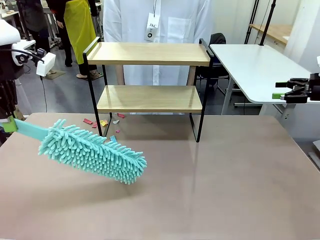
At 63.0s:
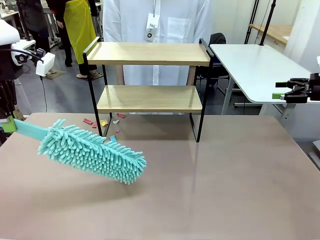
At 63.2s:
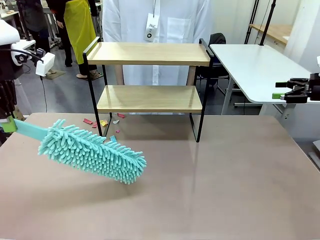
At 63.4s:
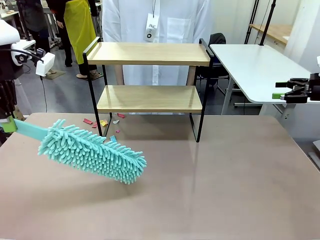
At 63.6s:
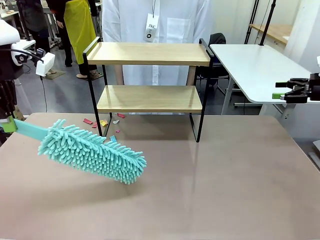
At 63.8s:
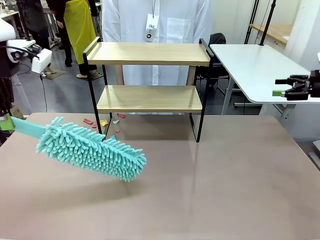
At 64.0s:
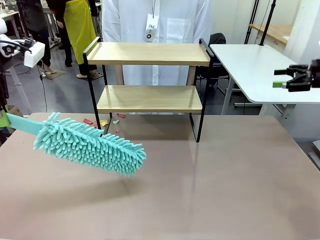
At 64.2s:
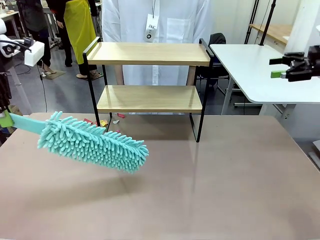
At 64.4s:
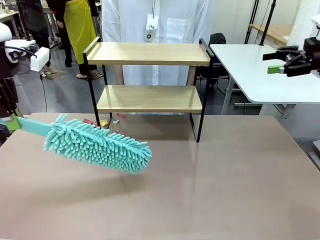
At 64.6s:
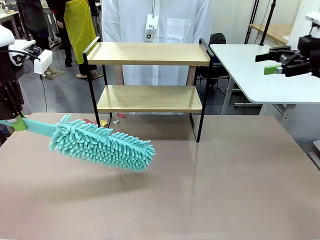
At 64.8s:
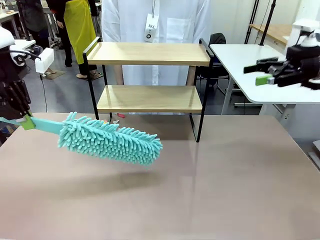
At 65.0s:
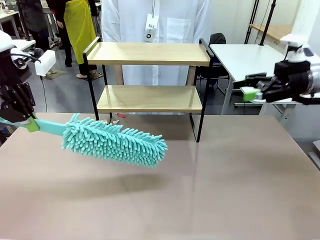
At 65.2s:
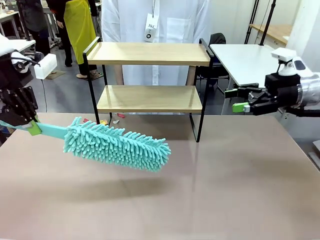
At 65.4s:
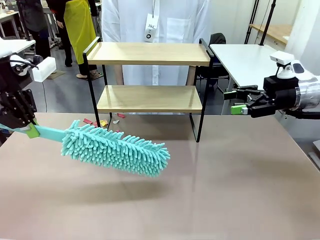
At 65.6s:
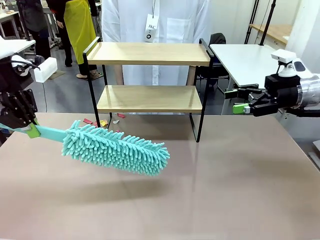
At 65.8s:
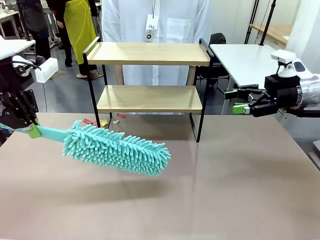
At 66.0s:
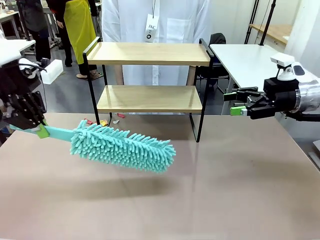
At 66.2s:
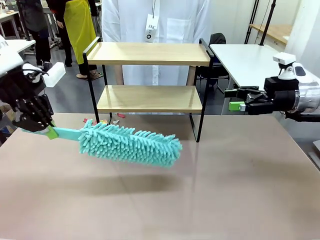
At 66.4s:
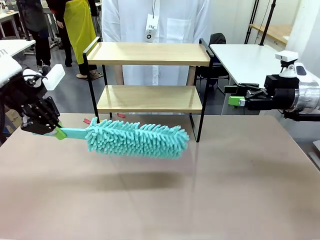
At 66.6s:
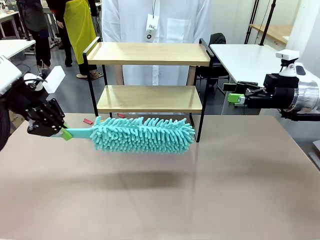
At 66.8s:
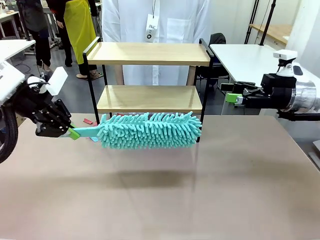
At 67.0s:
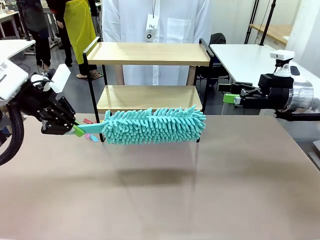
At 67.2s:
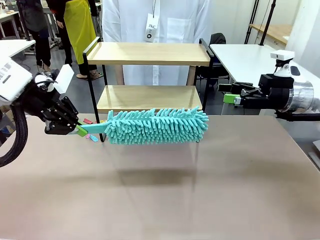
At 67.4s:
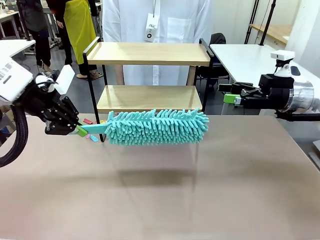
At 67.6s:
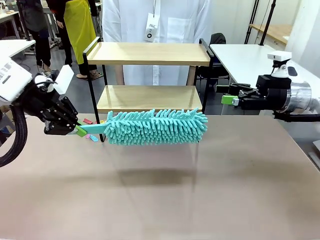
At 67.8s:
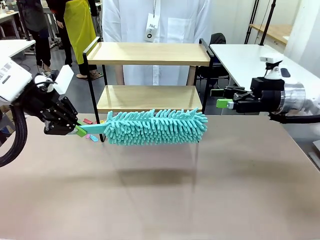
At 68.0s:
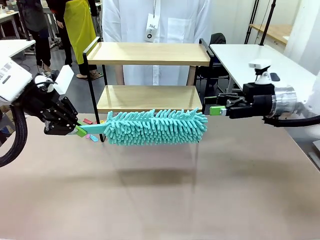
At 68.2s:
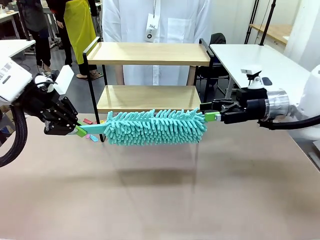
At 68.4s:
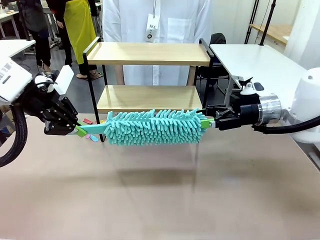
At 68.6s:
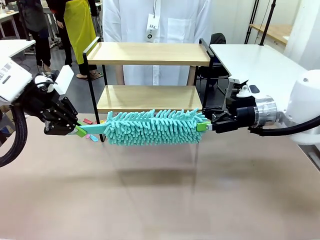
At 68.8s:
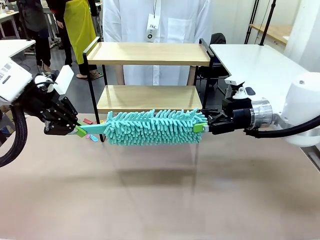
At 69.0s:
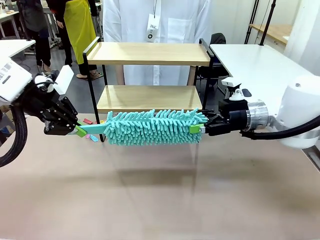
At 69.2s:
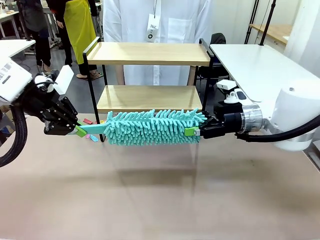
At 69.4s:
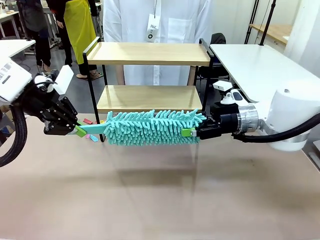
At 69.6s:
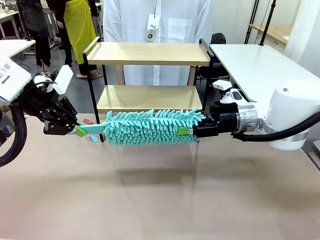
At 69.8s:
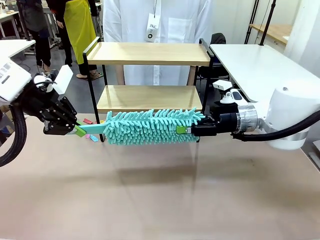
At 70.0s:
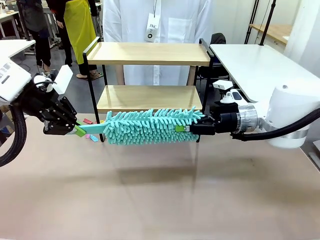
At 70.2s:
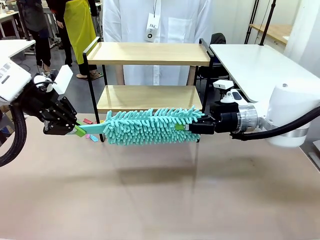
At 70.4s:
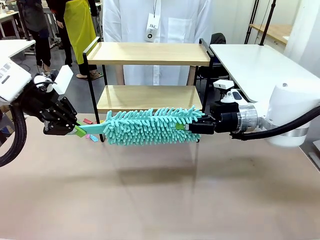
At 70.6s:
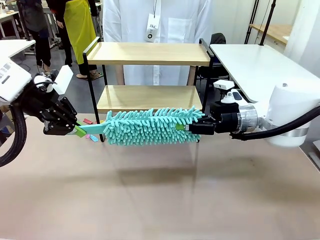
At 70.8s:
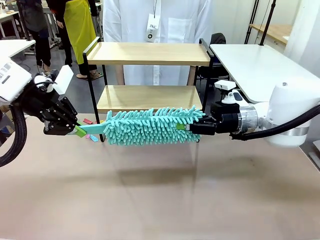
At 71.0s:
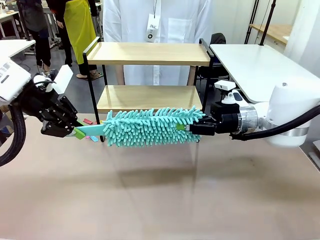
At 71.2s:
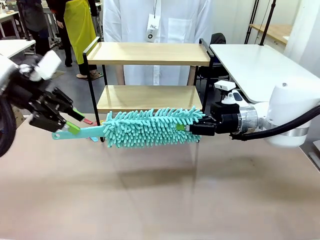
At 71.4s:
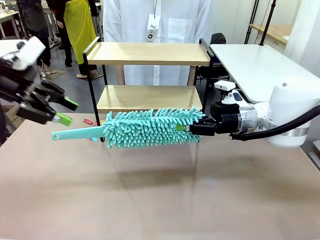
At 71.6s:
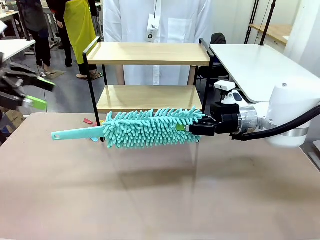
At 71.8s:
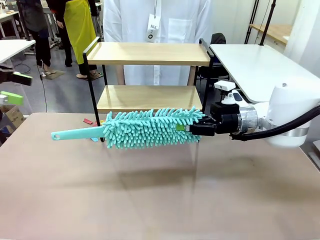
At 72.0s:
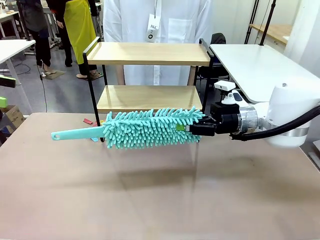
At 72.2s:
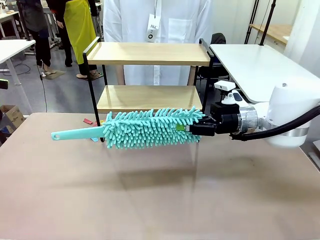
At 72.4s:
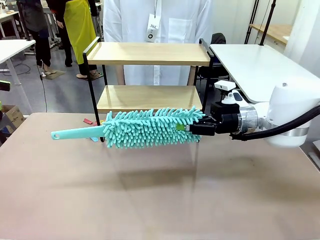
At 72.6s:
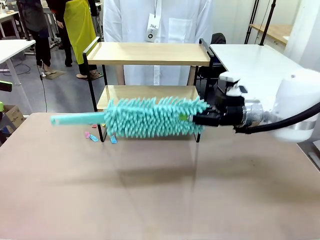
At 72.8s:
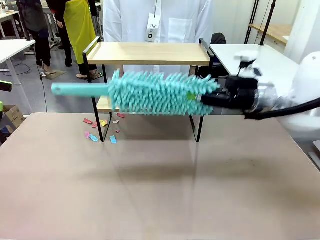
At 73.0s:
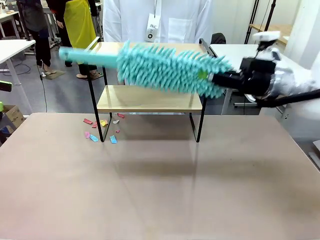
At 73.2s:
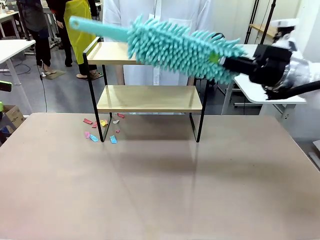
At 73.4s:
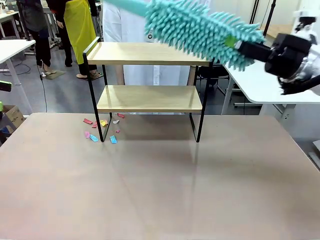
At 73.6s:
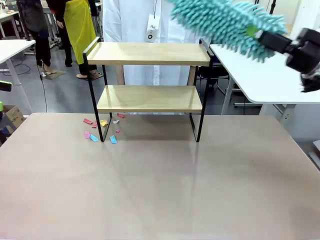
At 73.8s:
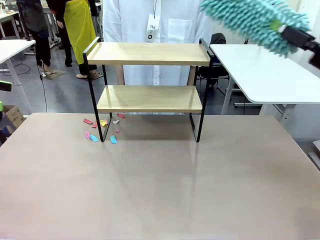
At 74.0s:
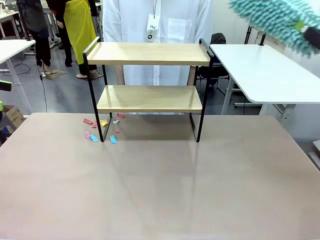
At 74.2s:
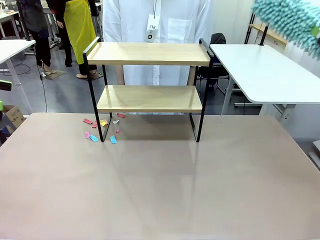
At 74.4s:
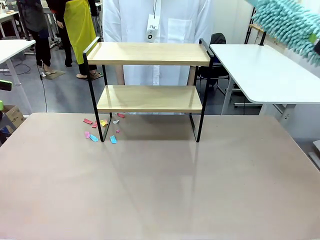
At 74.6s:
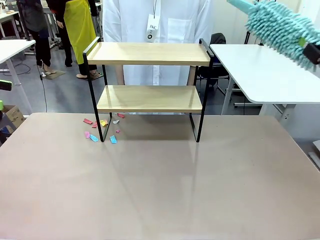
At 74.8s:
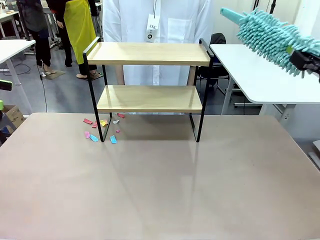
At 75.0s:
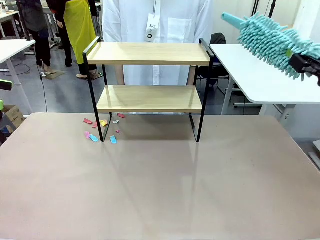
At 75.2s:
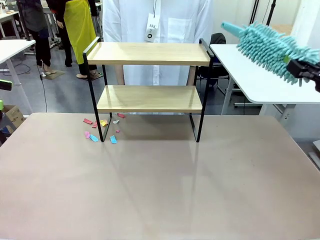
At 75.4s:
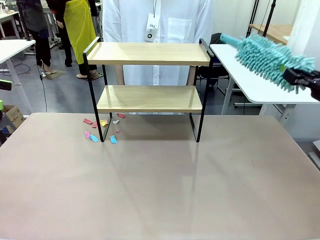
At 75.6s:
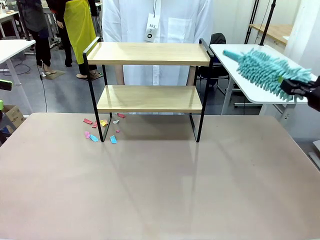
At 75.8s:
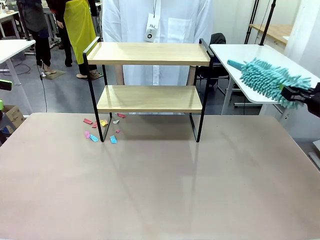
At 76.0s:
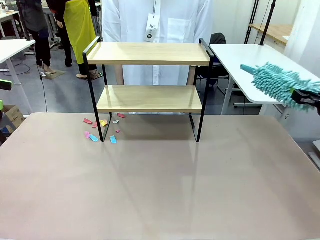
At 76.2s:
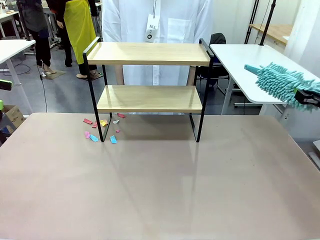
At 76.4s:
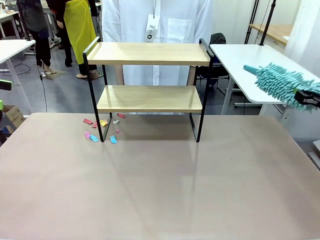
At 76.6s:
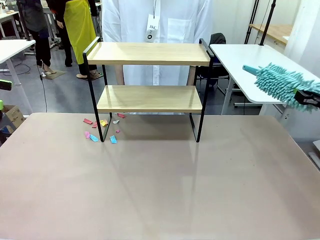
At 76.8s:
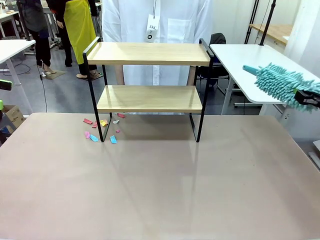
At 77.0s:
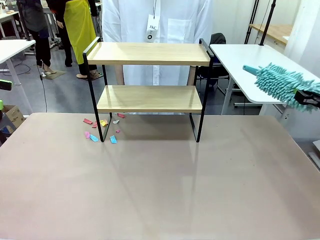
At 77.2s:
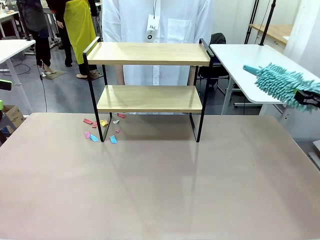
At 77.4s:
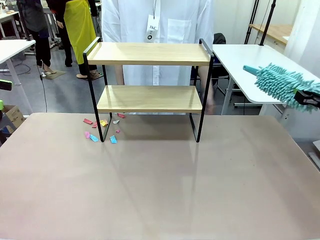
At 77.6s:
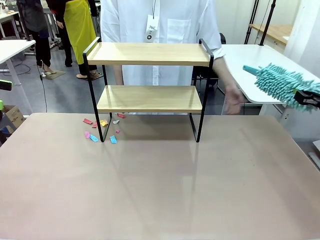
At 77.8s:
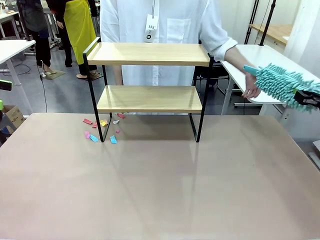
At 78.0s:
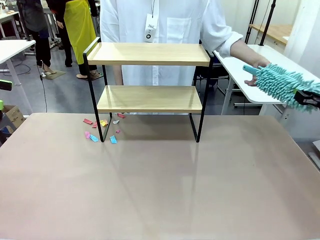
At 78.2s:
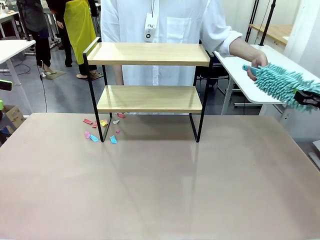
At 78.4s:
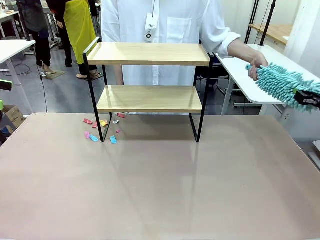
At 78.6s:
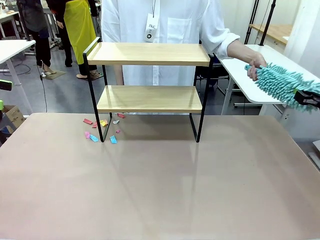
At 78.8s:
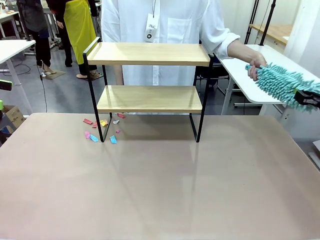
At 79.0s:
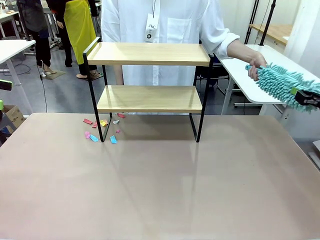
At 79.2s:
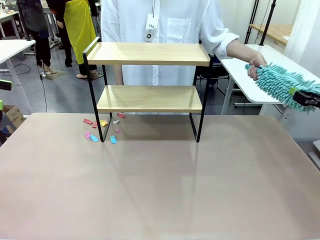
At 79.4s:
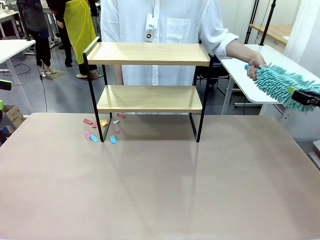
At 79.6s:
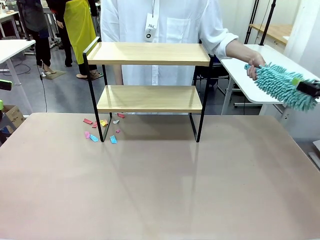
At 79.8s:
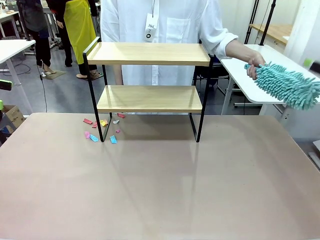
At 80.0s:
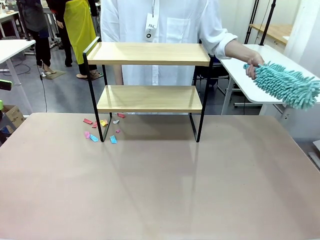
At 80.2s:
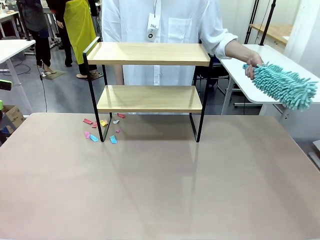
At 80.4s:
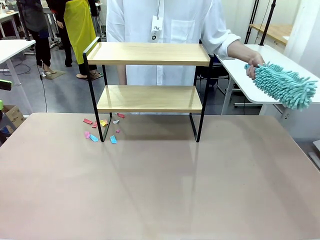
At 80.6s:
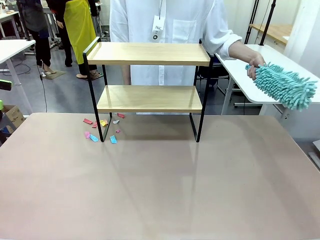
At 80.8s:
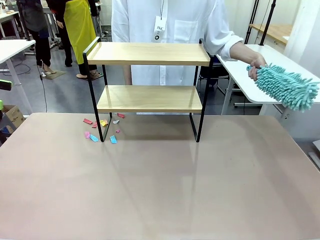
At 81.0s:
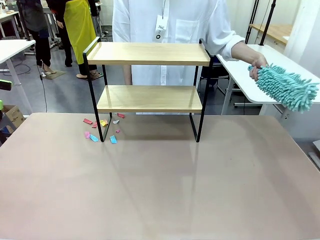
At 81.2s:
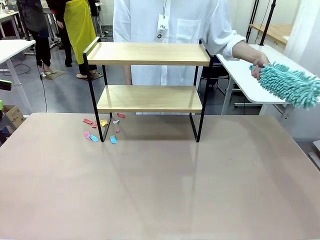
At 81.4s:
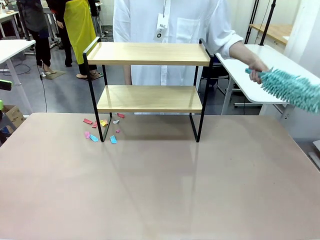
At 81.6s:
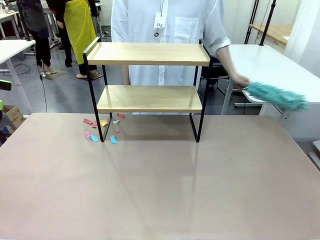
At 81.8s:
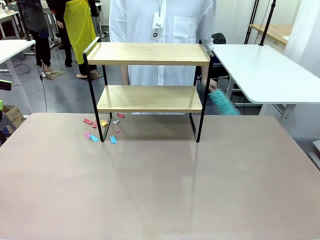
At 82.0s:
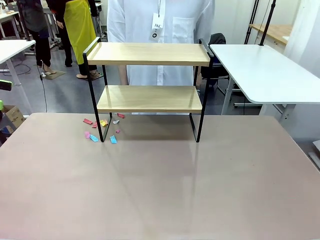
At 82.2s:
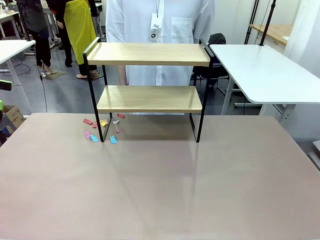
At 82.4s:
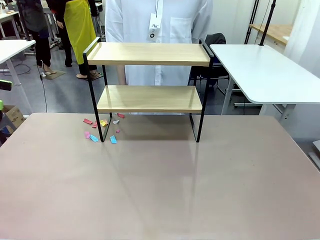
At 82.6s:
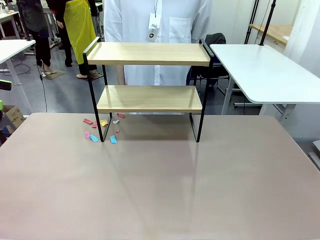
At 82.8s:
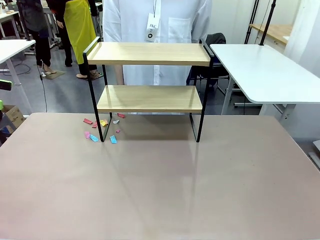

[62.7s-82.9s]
Task: Clean the shelf.
Robot: Hand the Duster back to the human.
Person: Receive the Duster from the robot.
